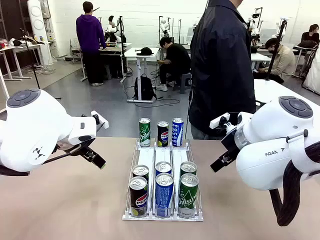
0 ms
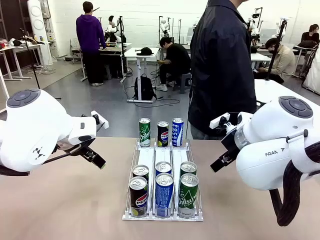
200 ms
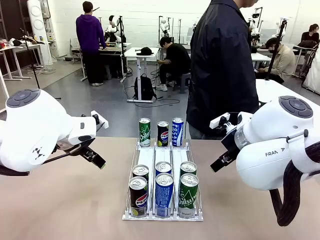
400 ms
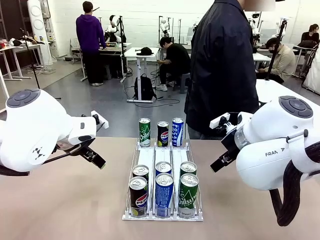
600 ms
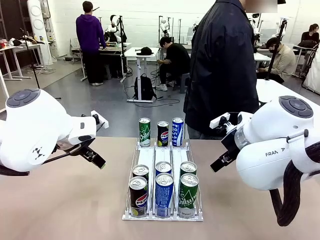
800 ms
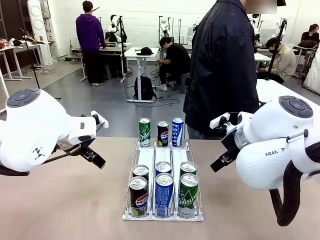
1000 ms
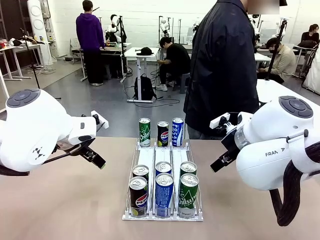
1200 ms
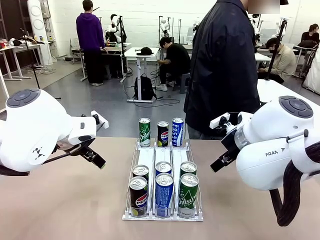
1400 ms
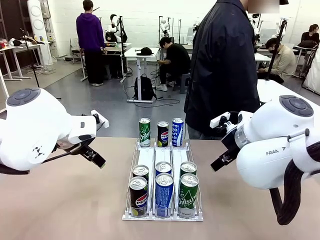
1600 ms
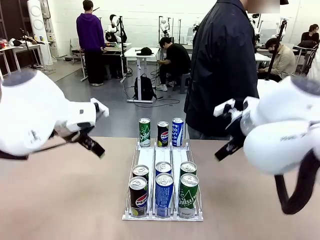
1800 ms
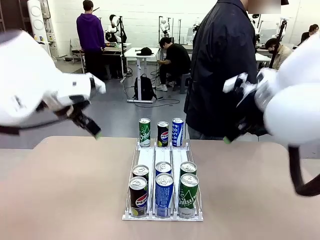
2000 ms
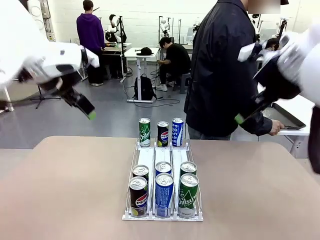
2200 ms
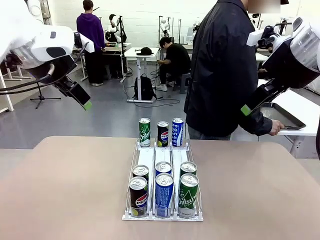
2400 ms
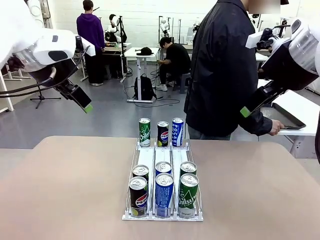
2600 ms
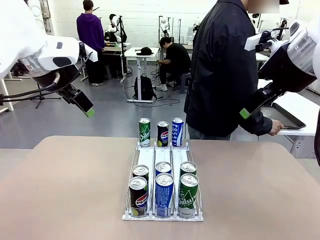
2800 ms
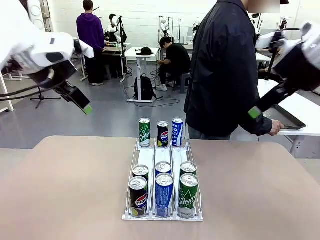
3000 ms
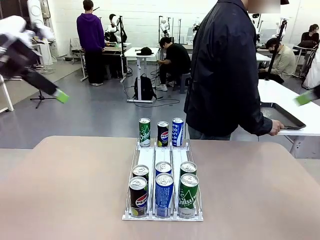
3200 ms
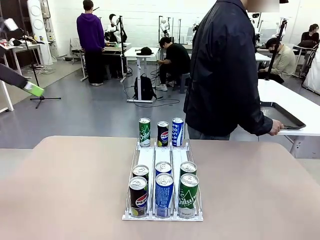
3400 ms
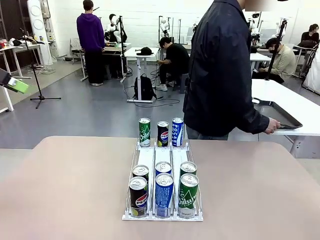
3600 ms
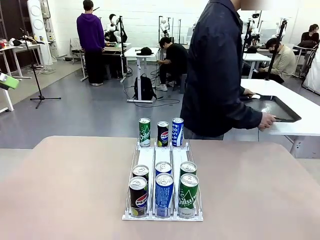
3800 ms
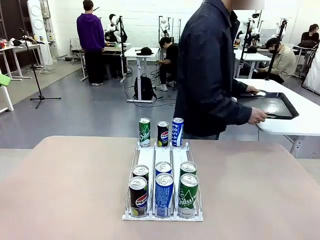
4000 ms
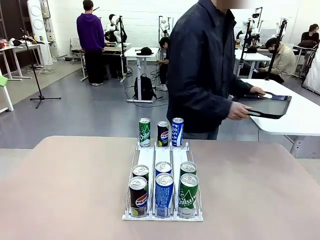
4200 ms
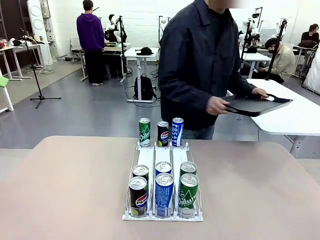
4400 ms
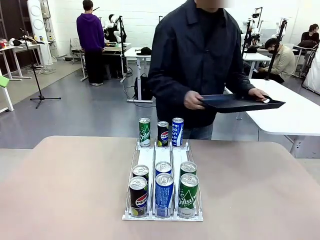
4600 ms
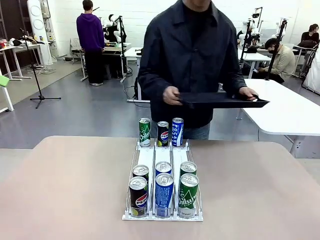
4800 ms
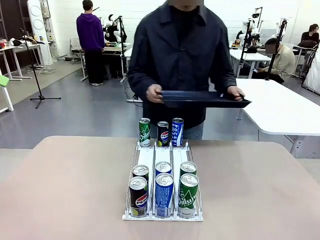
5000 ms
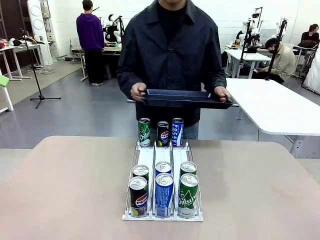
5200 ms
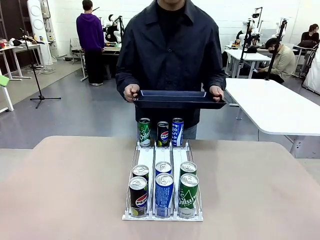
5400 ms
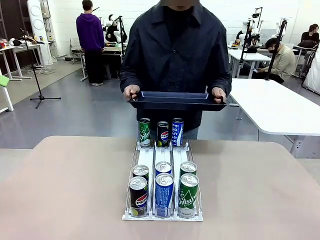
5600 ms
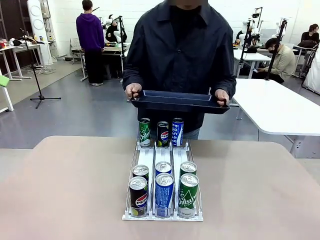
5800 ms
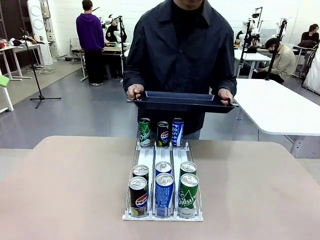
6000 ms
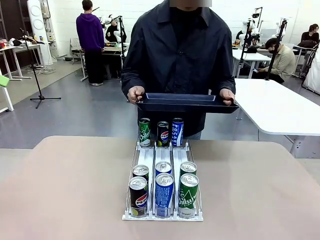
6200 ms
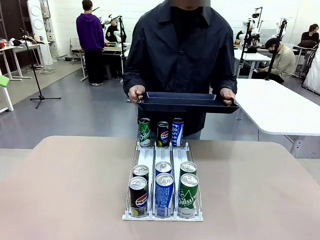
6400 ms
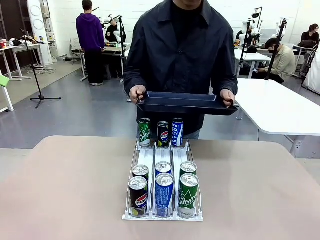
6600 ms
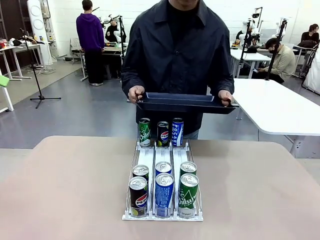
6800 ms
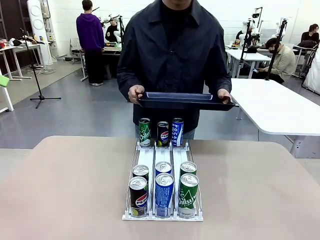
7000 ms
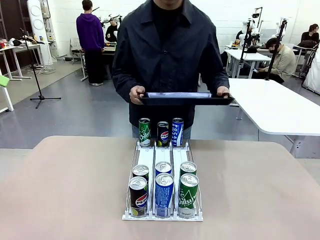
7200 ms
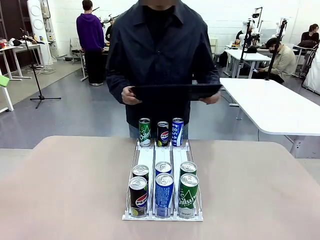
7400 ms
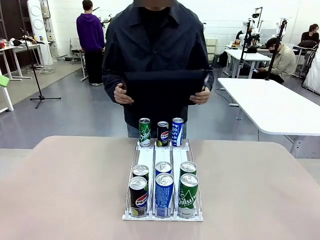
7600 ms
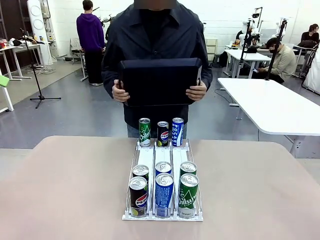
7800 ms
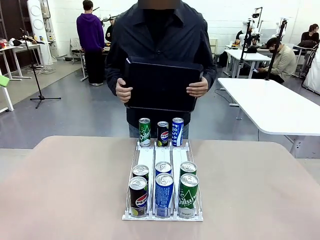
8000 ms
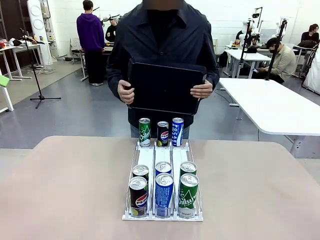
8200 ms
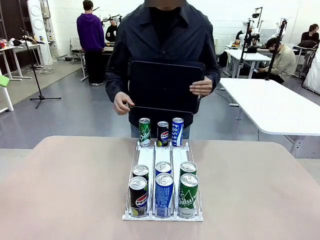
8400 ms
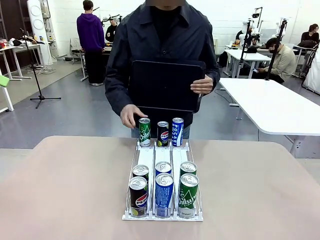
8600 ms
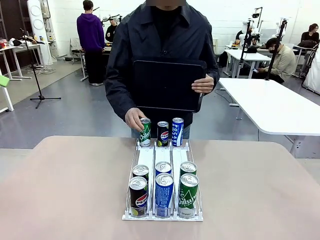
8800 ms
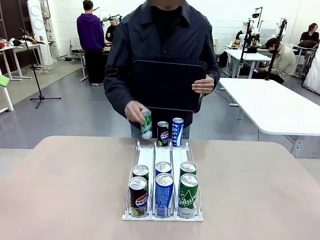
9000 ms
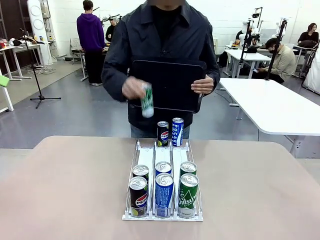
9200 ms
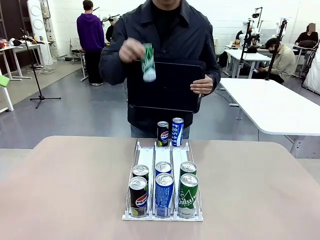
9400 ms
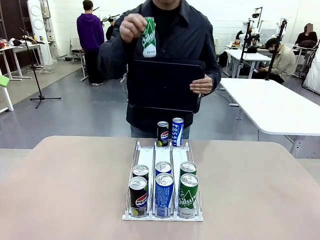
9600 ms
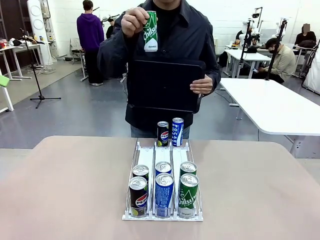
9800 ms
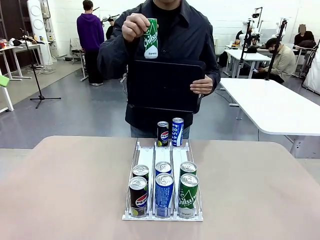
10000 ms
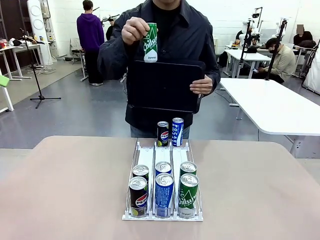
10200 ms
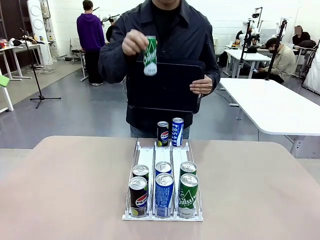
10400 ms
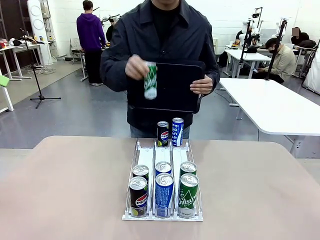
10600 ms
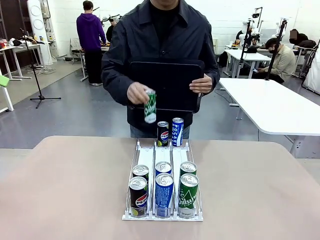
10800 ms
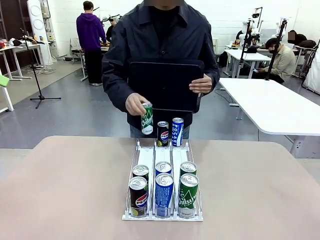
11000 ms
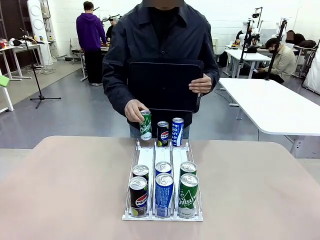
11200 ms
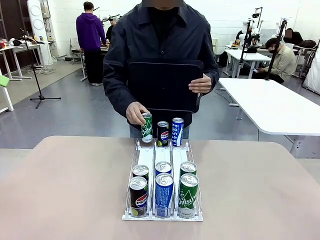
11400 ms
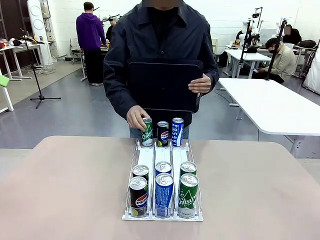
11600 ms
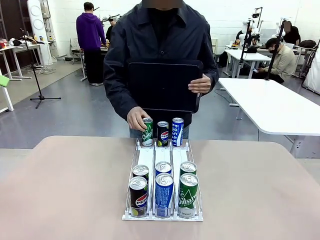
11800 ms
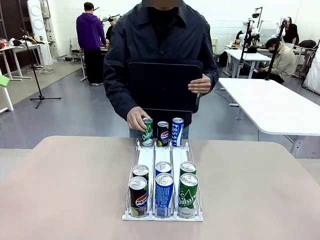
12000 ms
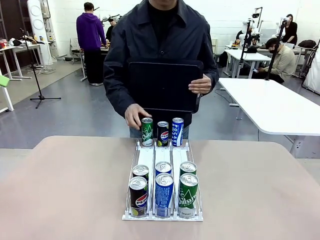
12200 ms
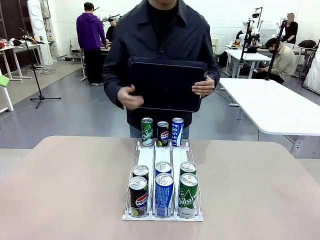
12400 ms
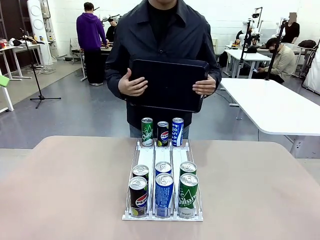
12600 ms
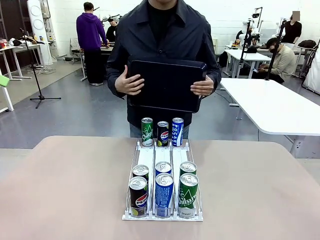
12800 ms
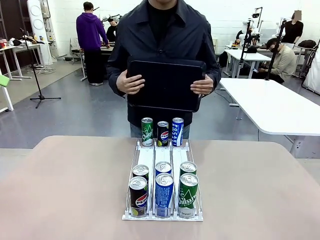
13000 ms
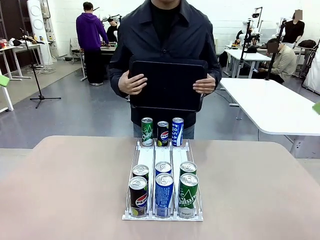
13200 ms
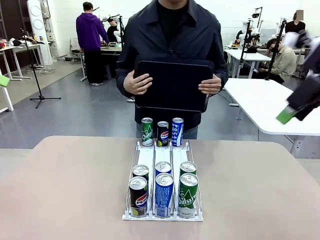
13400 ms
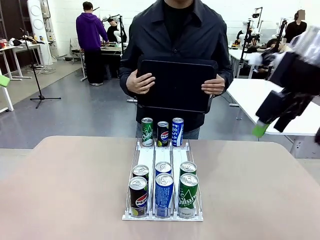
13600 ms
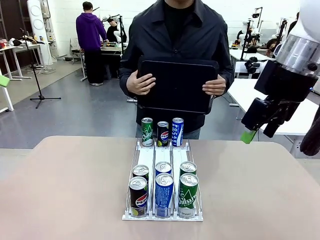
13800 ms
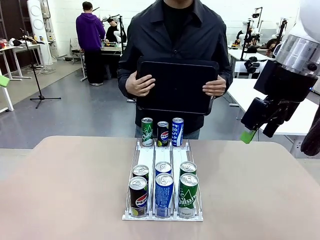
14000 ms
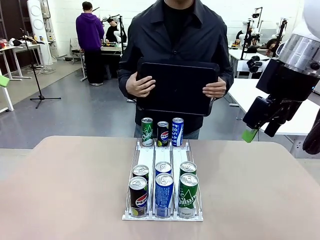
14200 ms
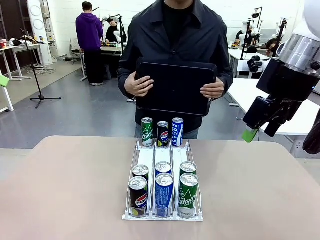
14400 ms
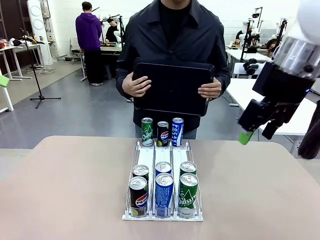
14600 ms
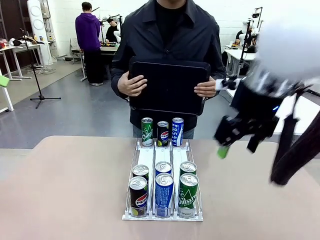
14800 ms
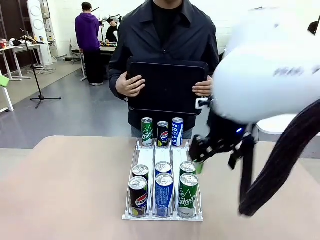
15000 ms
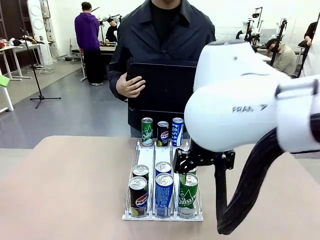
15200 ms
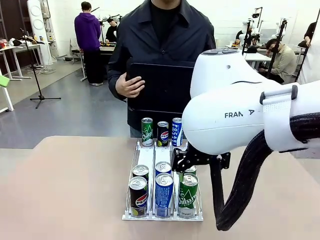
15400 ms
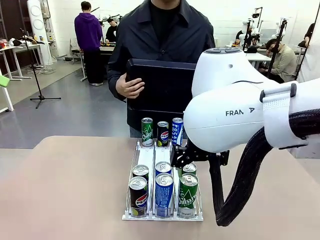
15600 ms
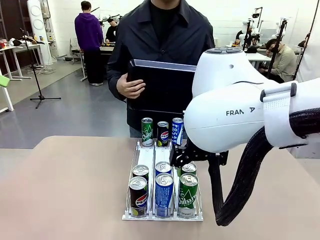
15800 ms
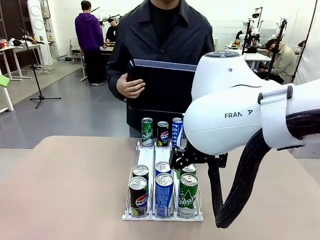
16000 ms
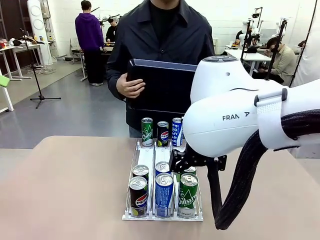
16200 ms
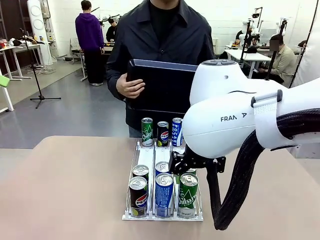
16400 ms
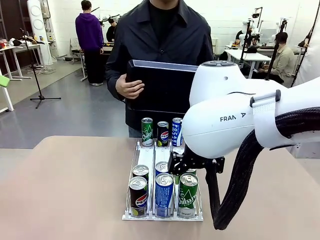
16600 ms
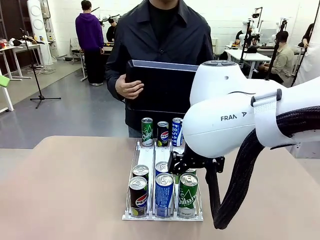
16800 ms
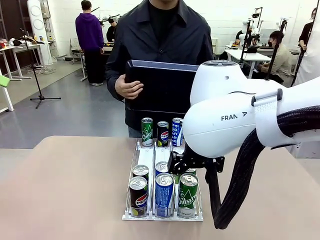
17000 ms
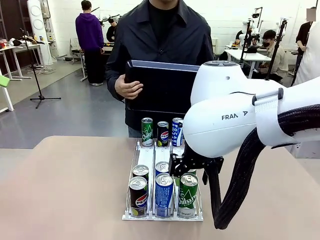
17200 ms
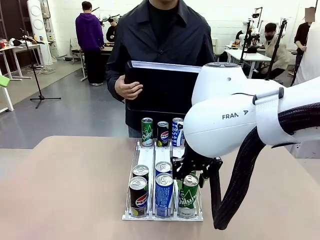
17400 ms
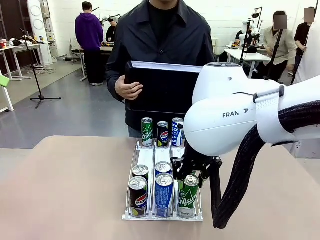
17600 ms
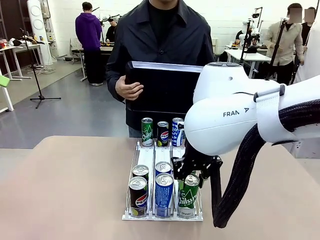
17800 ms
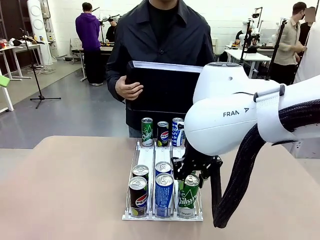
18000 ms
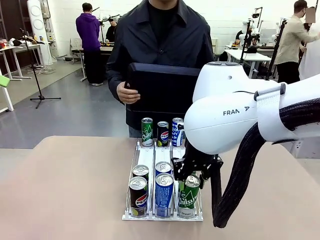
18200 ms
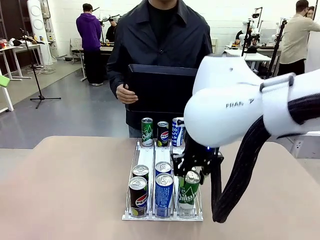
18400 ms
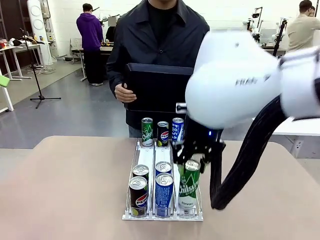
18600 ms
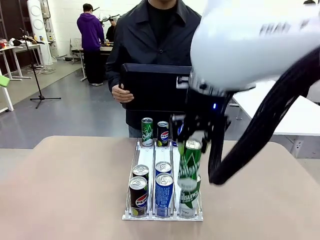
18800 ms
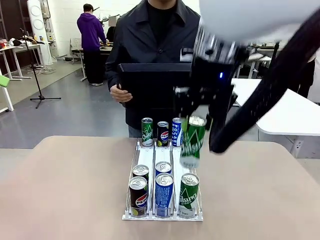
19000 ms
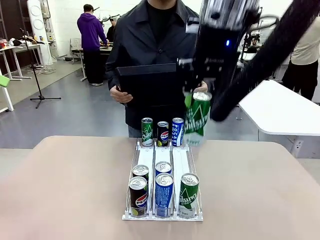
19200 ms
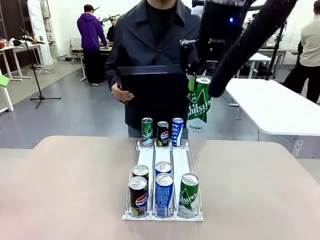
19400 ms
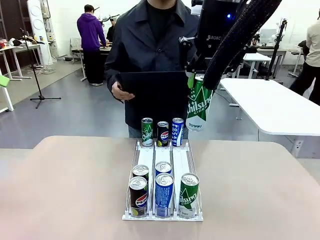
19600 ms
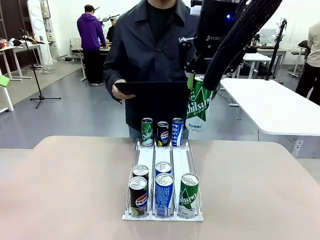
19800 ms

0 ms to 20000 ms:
Task: Retrieve and hand over the desired beverage to the person.
Robot: Pick up a can of the same type that the person held from the Automatic Can Dispenser.
Person: Hold the tray and position yourself in front of the robot table. Pick up one can from the bottom area of the table and puts it back in its original place. Push the tray toward the robot.
